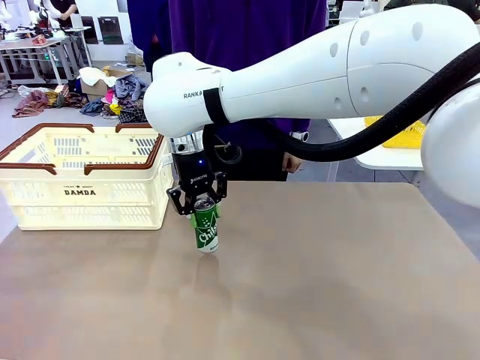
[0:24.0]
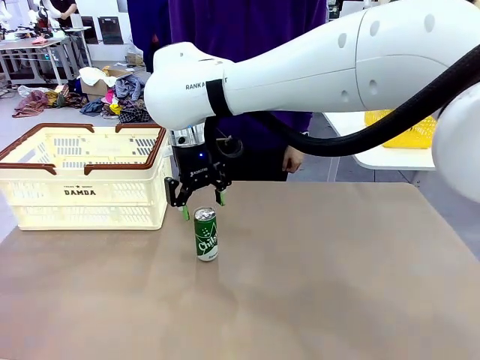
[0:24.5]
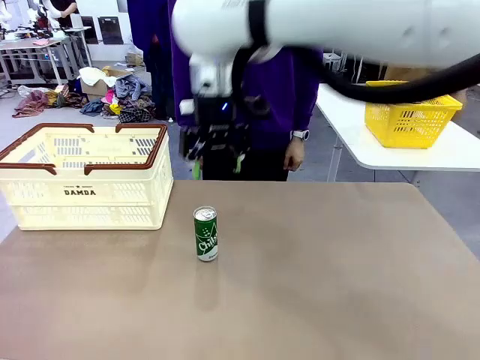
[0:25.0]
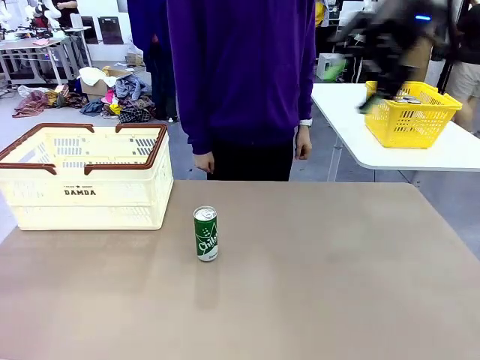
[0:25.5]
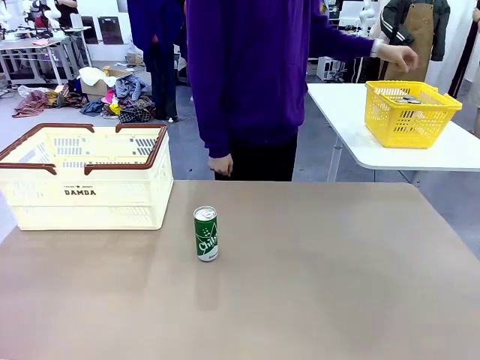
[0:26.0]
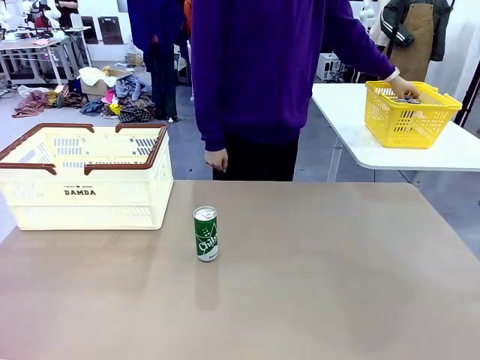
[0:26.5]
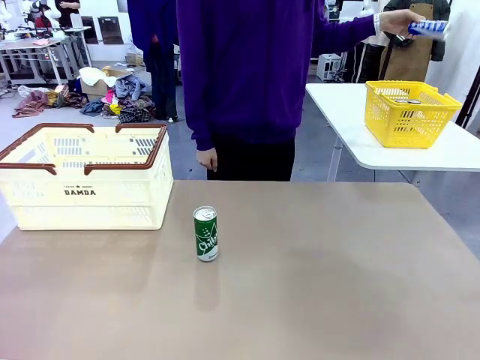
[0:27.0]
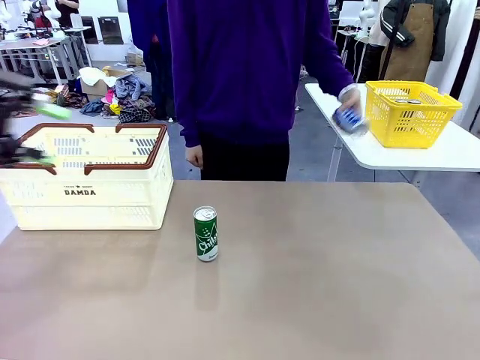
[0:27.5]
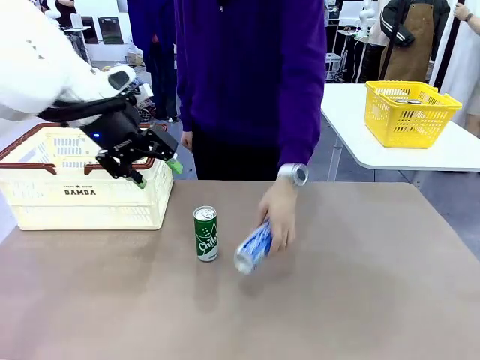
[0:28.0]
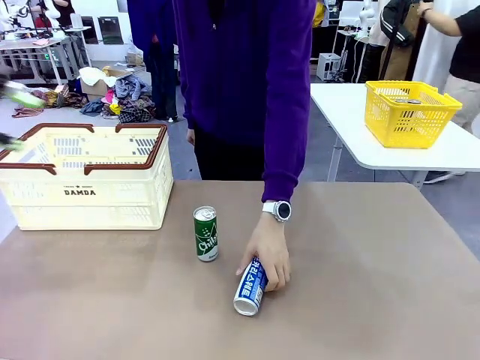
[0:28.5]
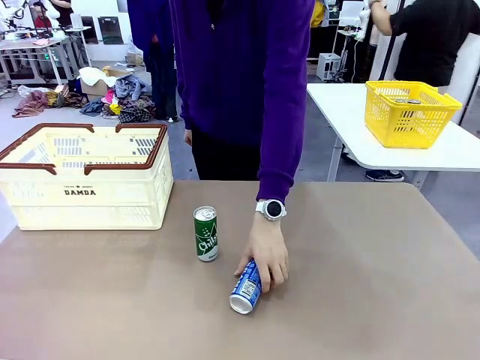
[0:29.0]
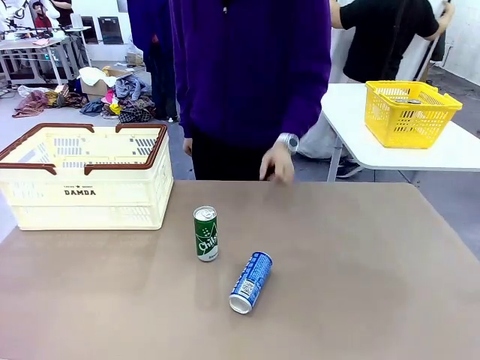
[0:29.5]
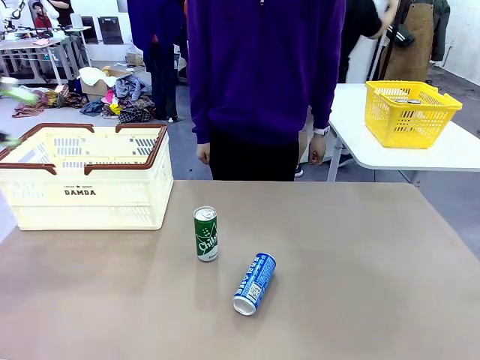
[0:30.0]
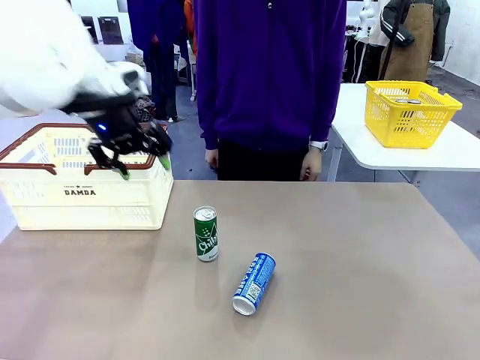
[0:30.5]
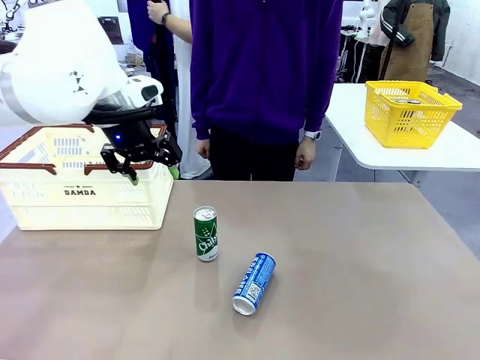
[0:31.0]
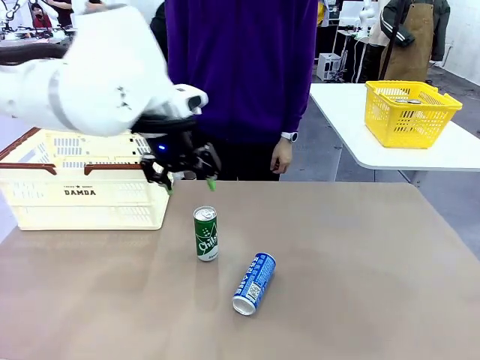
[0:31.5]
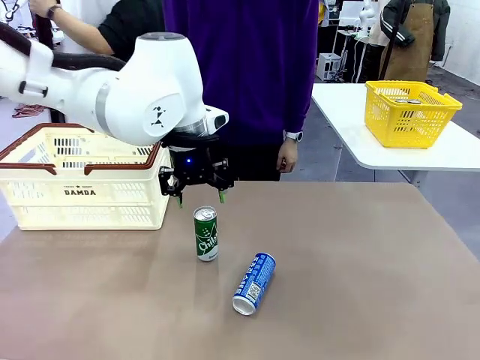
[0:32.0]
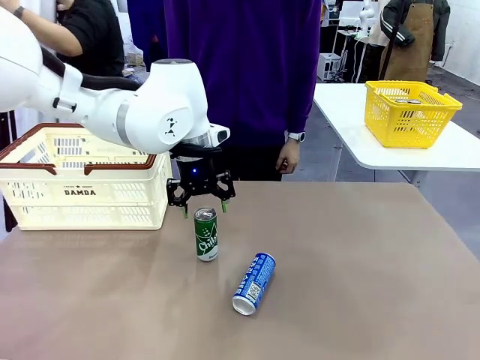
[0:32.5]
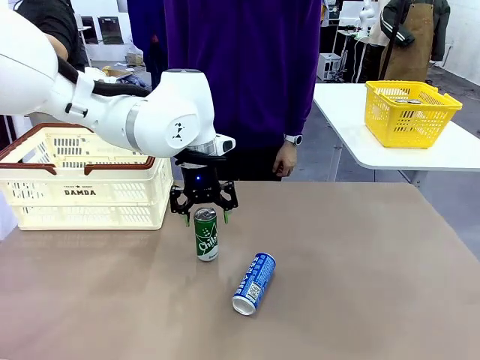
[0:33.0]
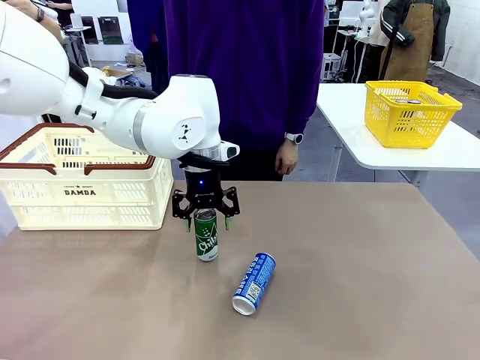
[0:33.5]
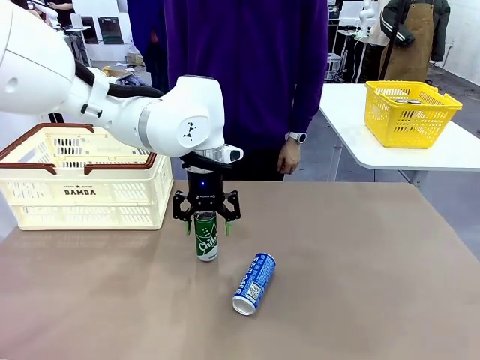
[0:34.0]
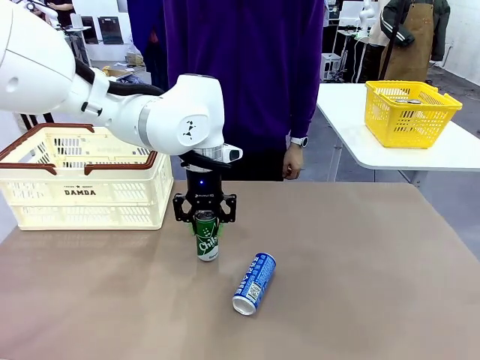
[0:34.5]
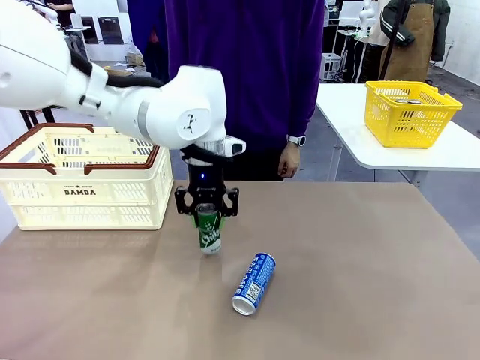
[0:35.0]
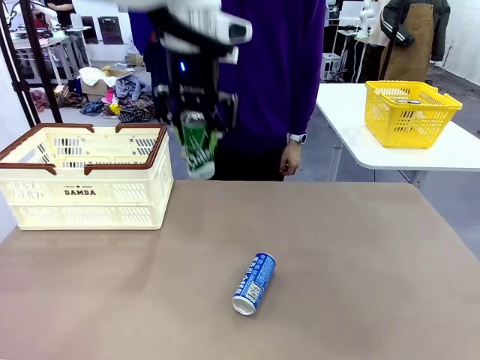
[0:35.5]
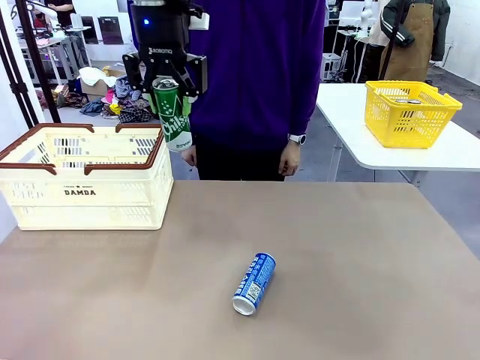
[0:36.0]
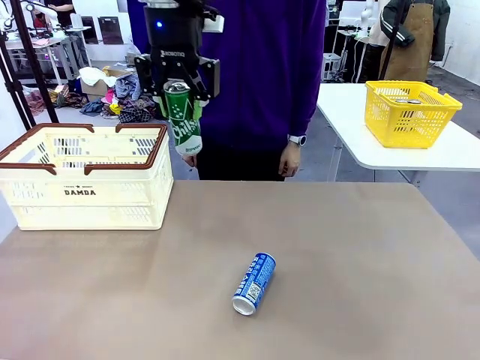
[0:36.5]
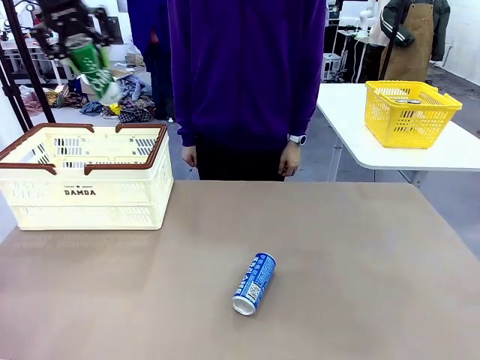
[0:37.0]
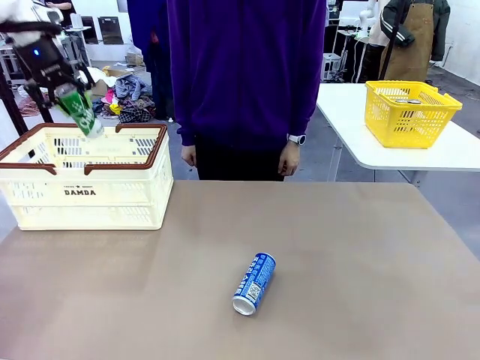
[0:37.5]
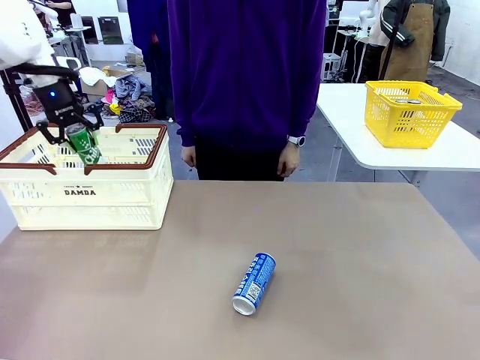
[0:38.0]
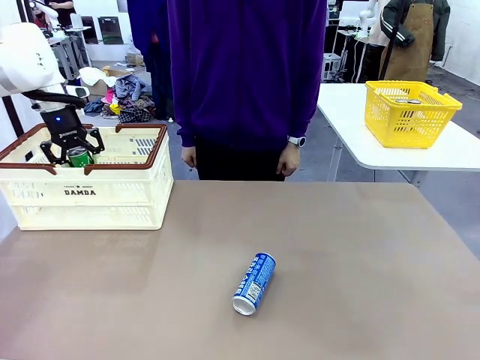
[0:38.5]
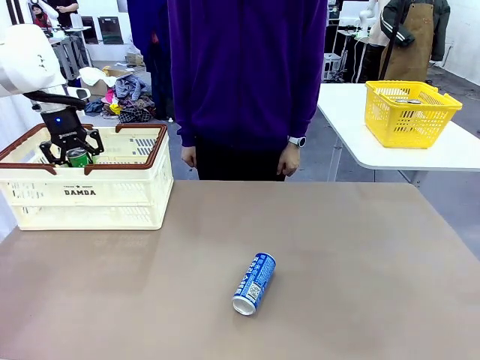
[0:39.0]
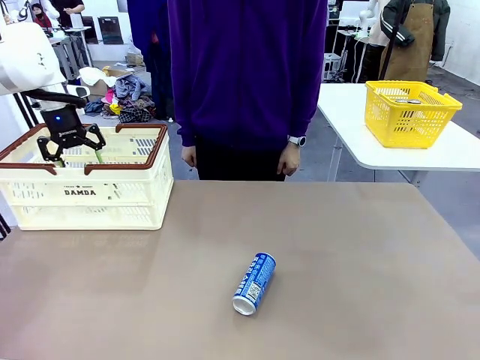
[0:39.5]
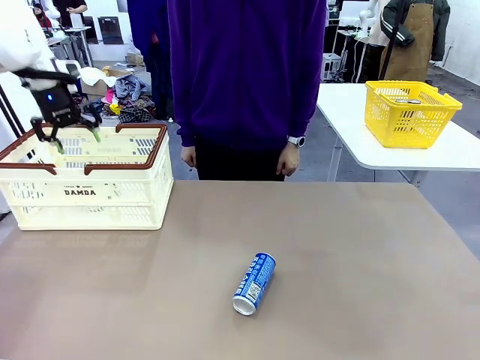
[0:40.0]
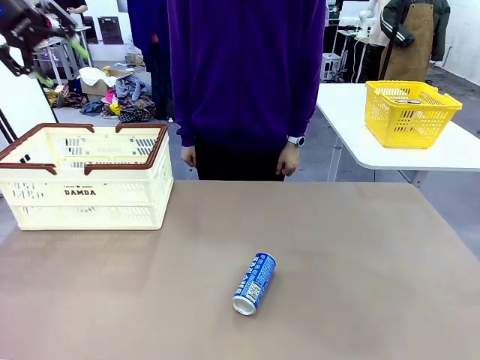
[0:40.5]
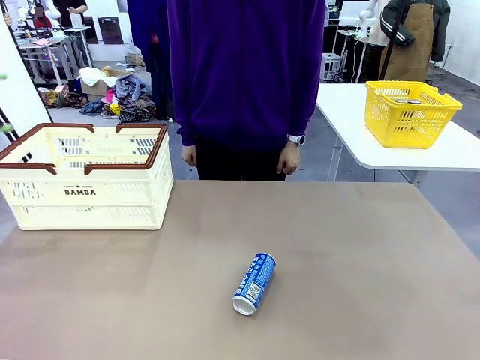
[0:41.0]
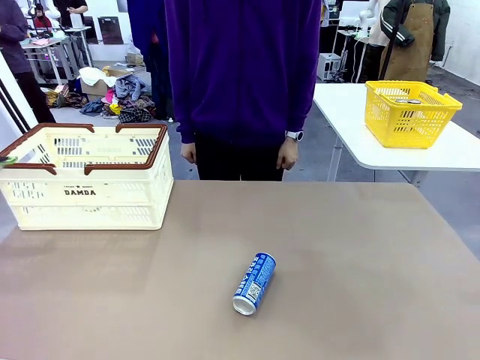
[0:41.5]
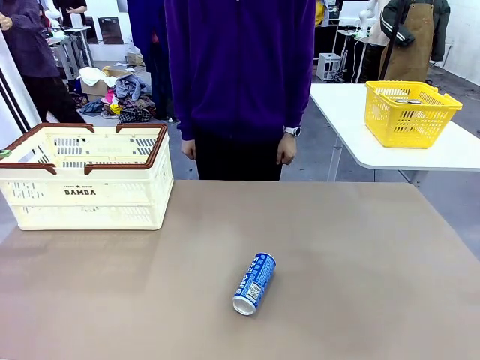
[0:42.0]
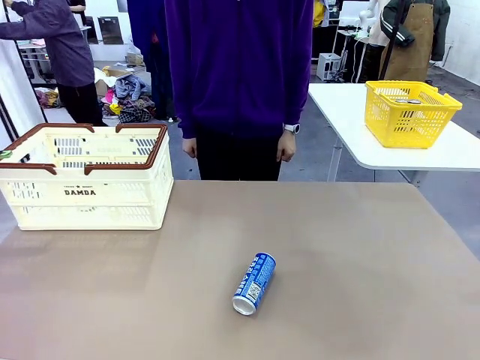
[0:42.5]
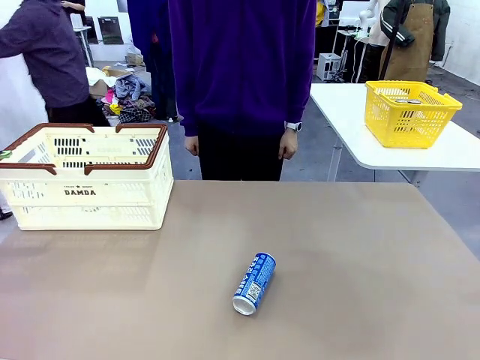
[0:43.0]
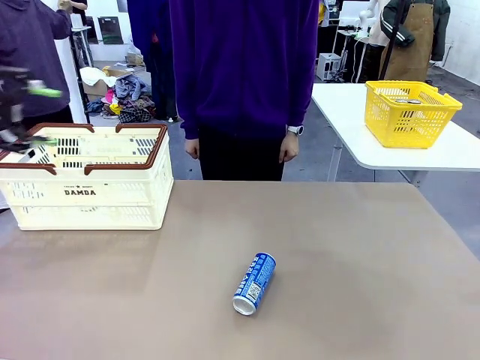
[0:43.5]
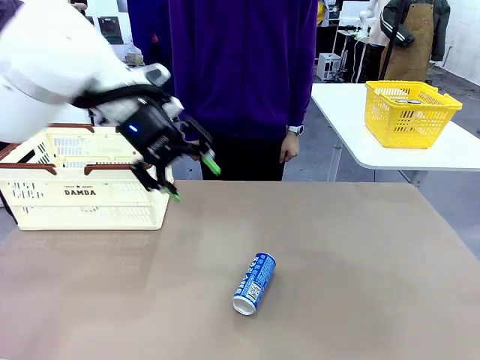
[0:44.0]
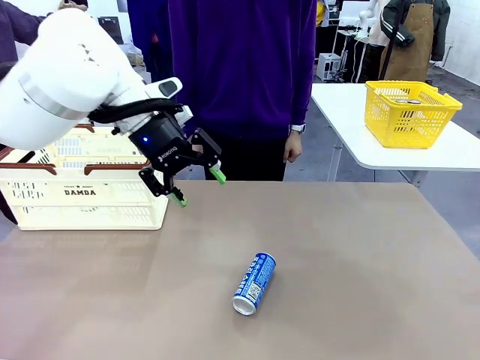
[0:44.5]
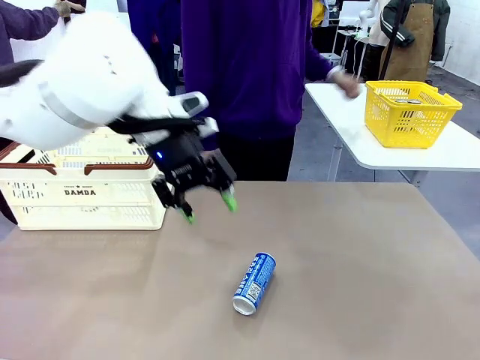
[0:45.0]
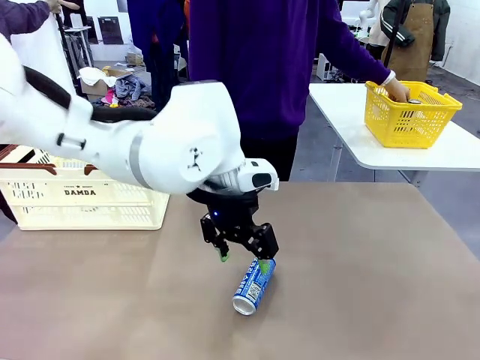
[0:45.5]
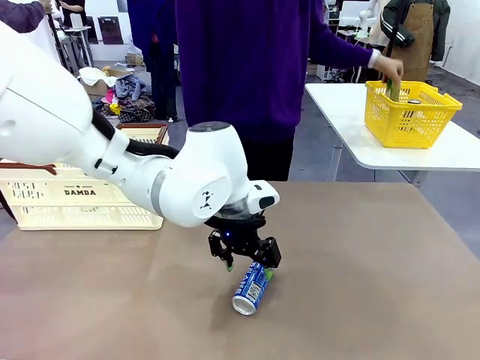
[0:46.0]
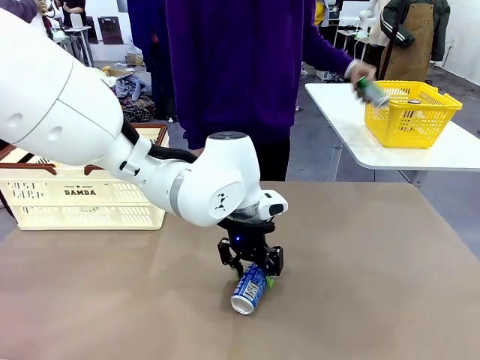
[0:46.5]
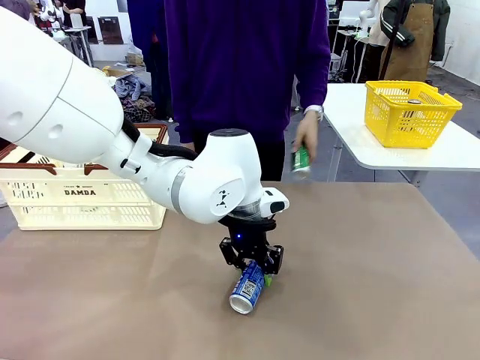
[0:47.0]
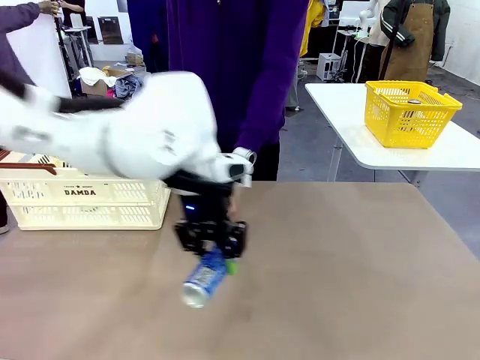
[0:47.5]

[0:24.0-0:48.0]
Task: Place the drinks into the Shopping basket.
Robot: Pick up one drink and place it into the Shopping basket.
